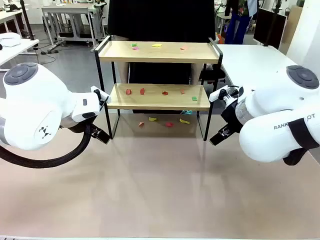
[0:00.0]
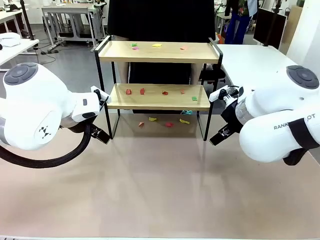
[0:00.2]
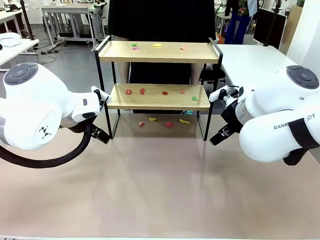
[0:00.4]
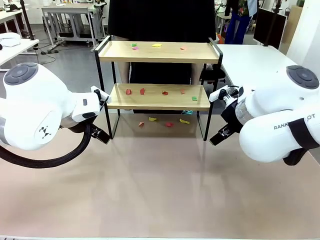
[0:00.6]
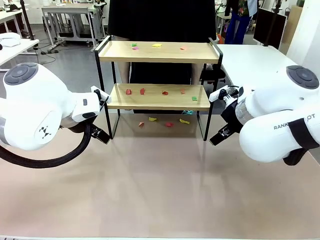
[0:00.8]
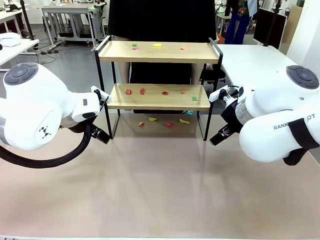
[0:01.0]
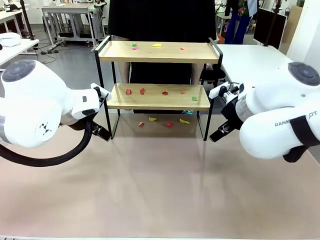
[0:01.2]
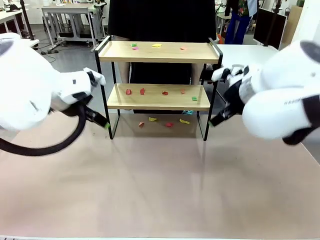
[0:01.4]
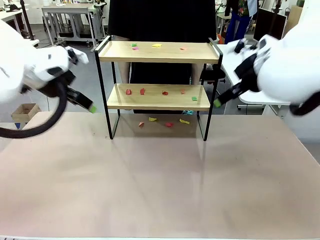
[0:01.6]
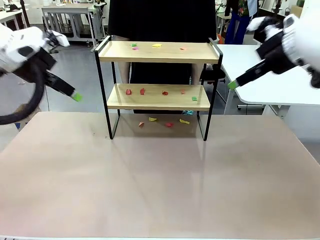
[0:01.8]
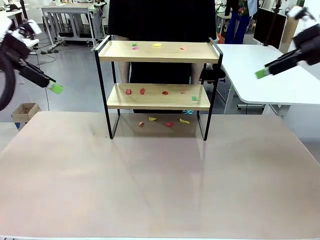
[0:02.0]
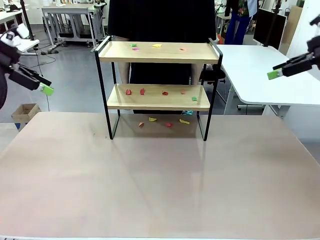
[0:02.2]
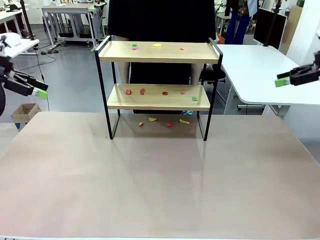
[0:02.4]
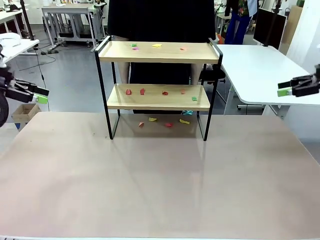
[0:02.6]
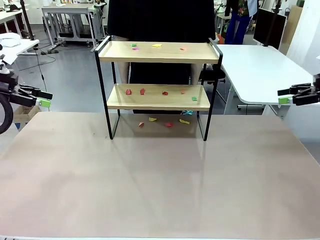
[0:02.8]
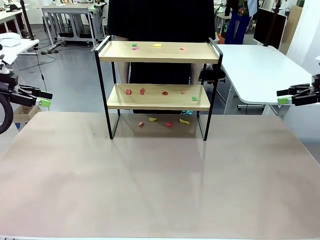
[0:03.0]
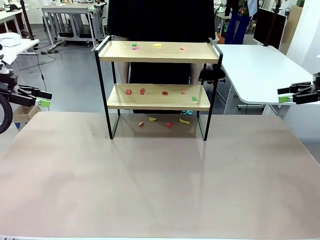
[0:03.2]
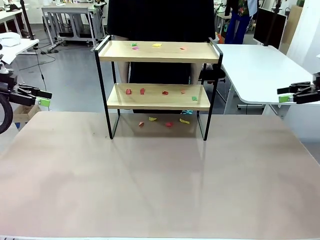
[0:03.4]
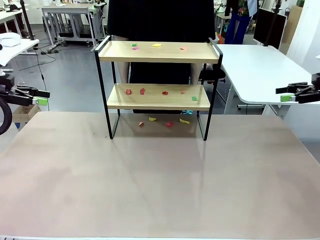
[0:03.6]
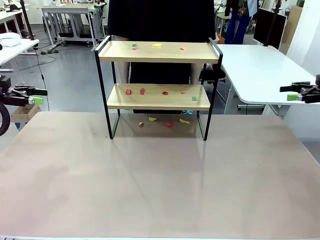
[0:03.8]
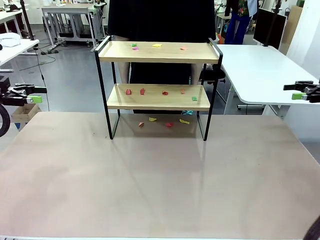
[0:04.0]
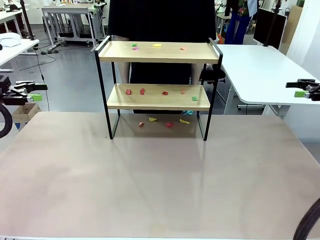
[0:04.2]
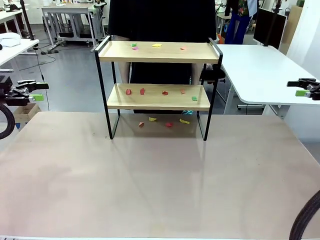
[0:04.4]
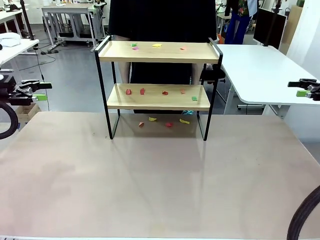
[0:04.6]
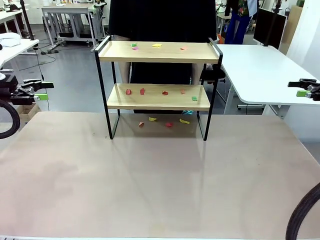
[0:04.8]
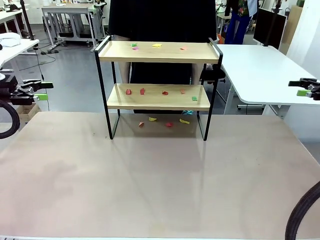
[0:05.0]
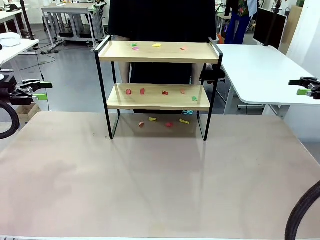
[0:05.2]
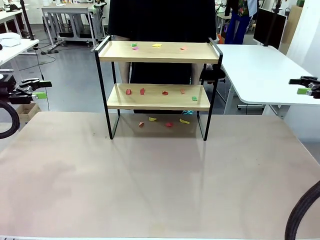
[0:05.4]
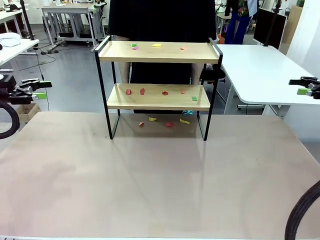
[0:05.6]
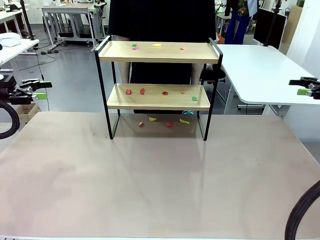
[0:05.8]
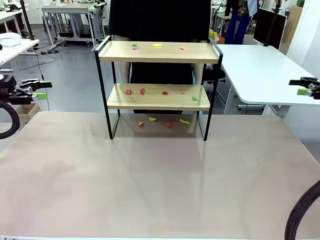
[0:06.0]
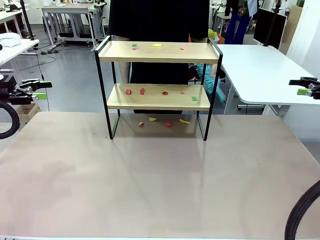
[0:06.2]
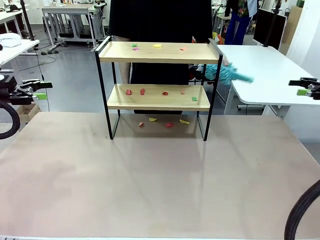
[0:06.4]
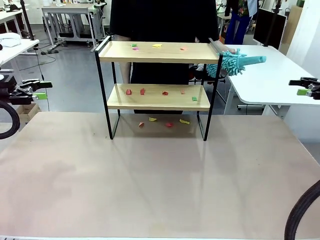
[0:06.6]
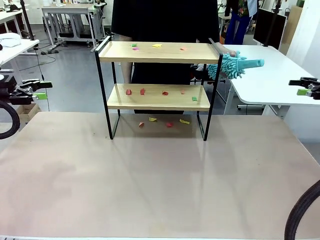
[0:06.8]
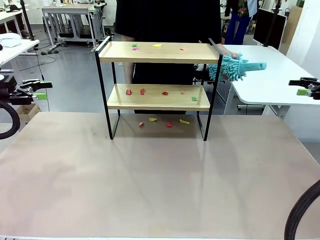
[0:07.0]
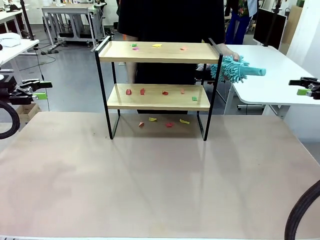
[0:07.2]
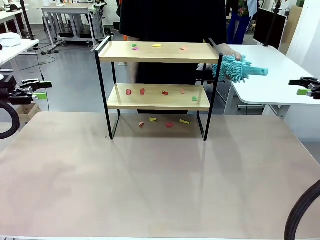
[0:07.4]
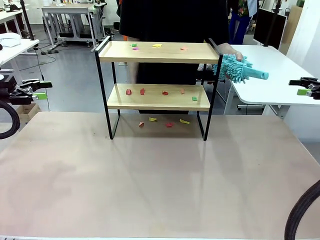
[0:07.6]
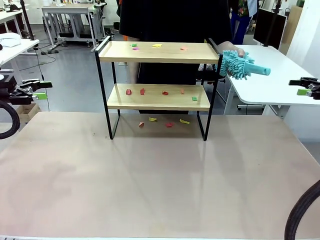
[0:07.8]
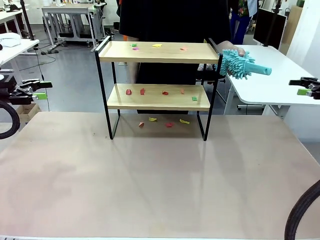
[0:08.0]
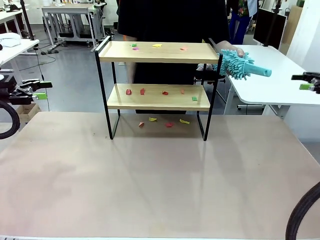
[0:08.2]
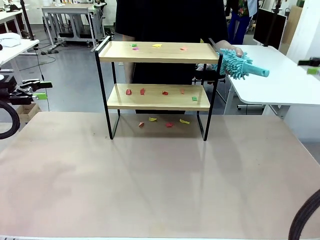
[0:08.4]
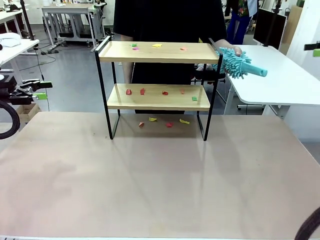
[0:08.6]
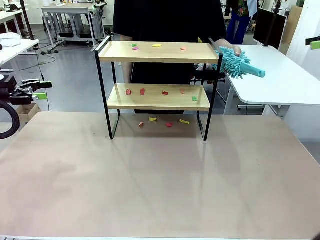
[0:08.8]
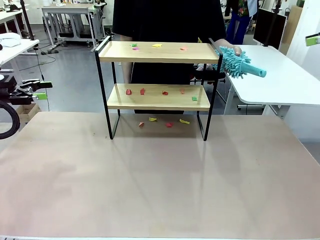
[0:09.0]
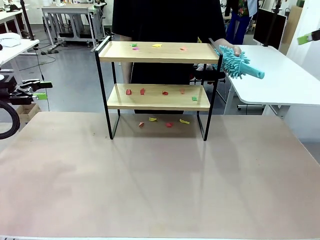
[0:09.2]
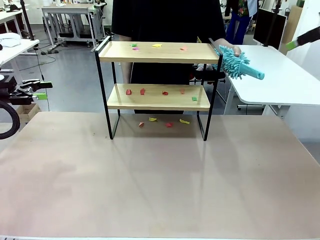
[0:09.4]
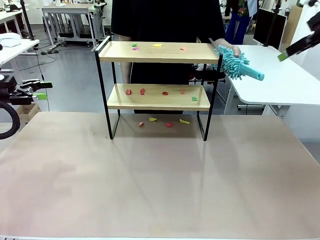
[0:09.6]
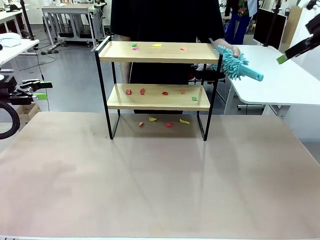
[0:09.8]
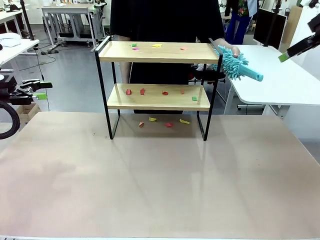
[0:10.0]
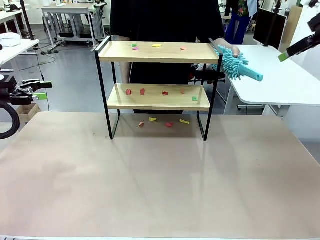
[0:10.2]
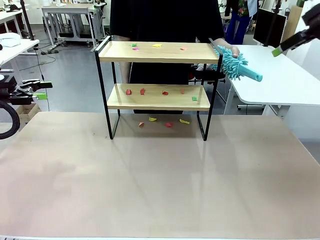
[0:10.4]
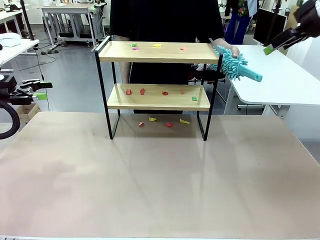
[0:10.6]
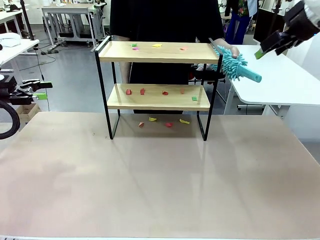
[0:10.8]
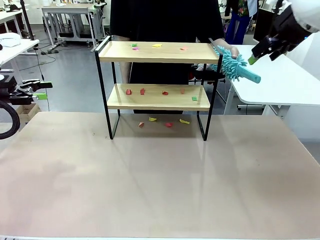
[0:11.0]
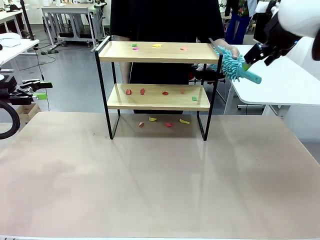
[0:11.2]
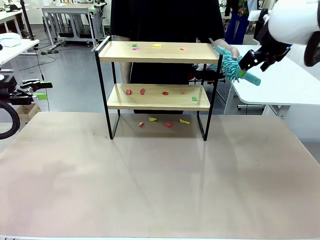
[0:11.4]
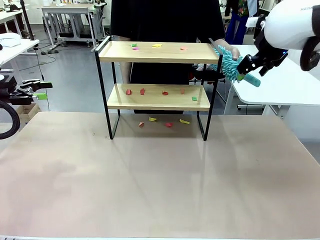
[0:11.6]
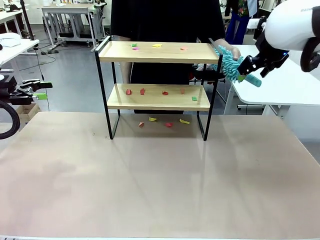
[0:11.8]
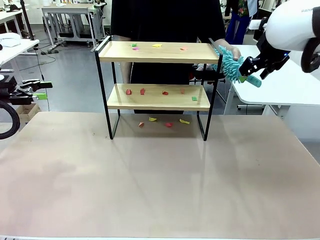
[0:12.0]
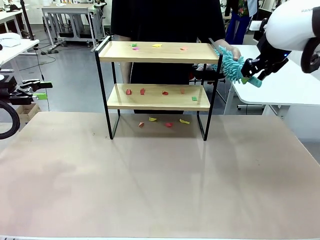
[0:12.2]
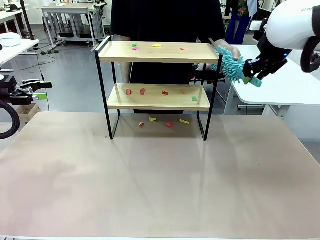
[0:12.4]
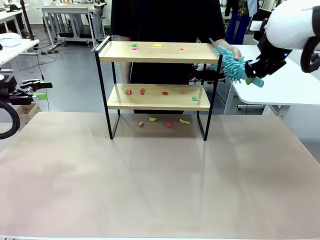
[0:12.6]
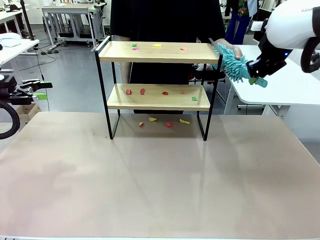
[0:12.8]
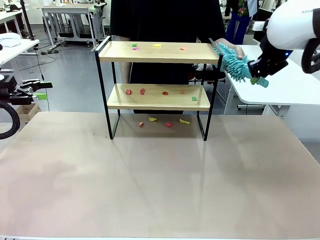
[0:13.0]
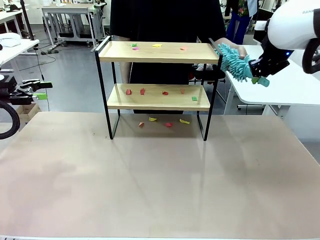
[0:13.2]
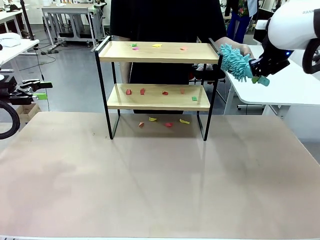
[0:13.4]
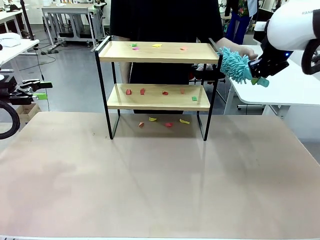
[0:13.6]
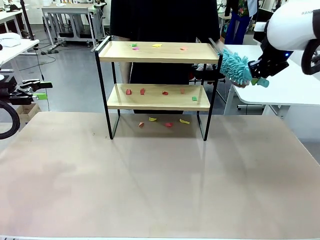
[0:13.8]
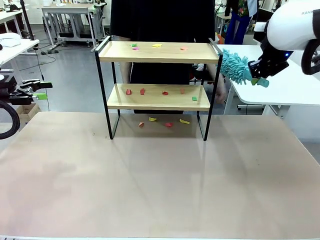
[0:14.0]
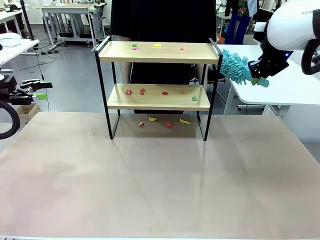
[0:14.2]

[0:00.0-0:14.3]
Task: Clean the shelf.
Robot: Pick up the Duster handed by the human.
Person: Hand the Duster to the robot.
